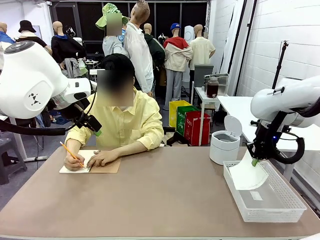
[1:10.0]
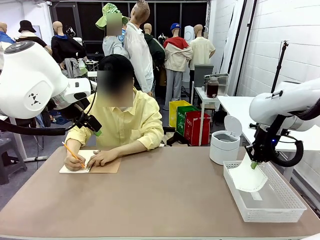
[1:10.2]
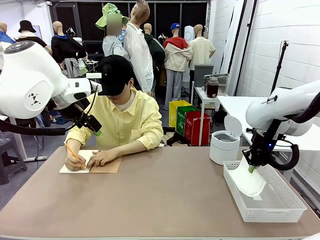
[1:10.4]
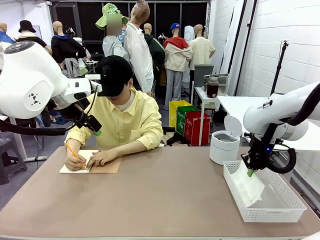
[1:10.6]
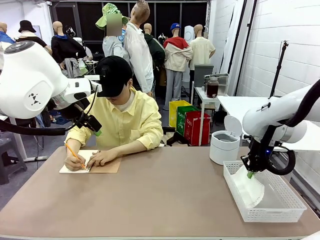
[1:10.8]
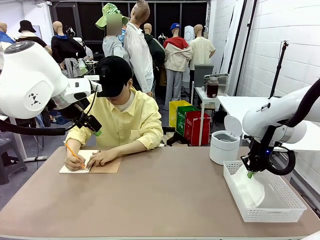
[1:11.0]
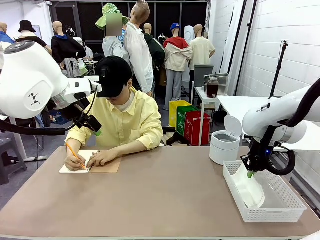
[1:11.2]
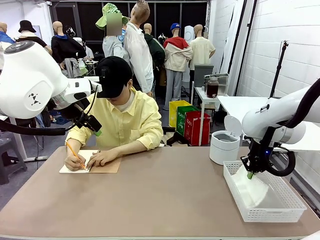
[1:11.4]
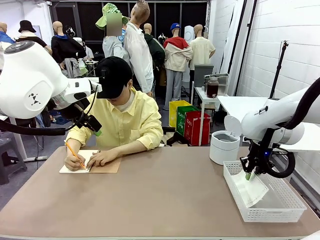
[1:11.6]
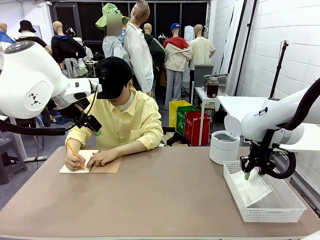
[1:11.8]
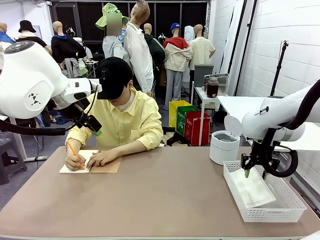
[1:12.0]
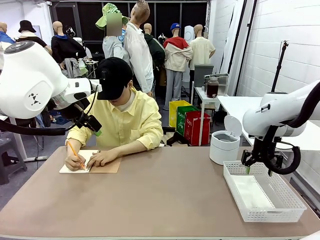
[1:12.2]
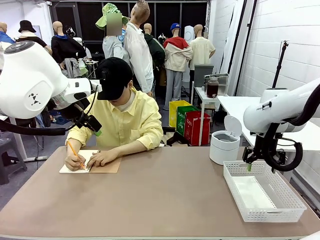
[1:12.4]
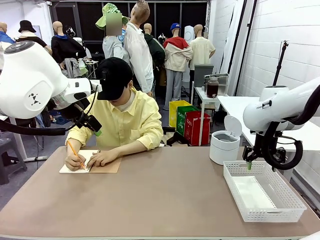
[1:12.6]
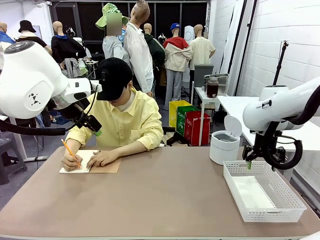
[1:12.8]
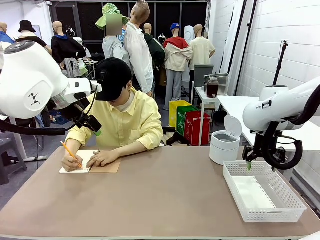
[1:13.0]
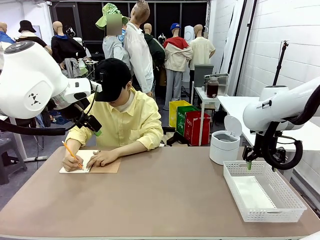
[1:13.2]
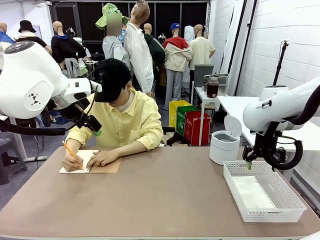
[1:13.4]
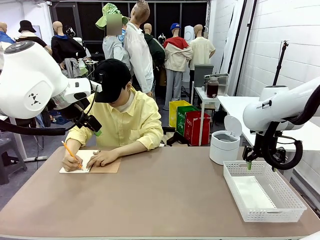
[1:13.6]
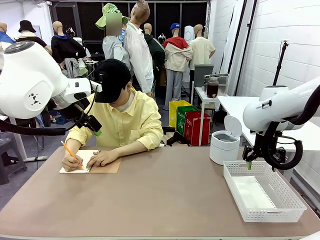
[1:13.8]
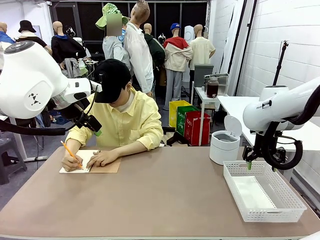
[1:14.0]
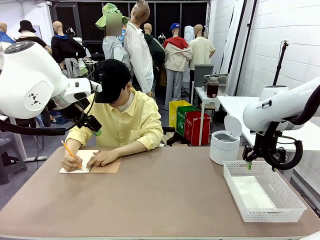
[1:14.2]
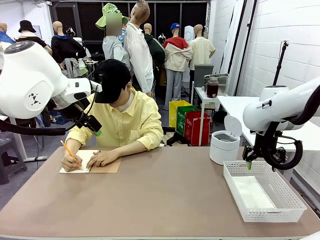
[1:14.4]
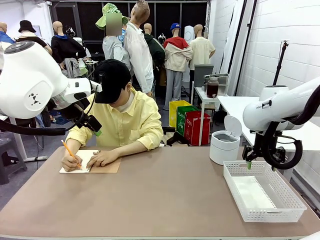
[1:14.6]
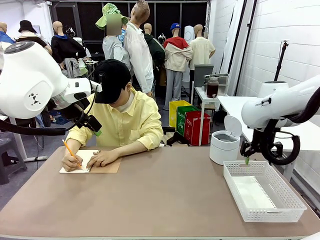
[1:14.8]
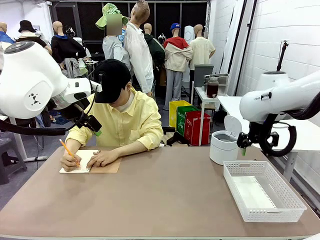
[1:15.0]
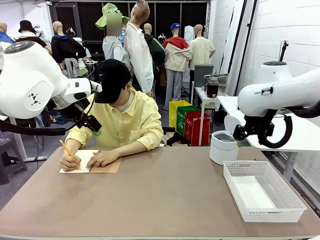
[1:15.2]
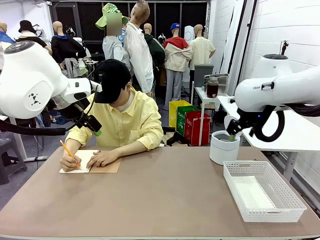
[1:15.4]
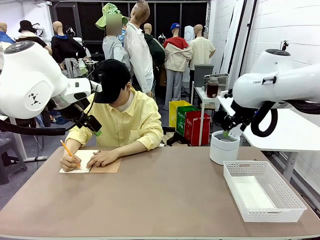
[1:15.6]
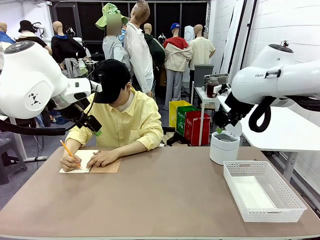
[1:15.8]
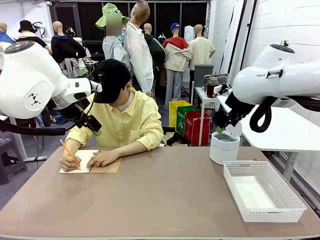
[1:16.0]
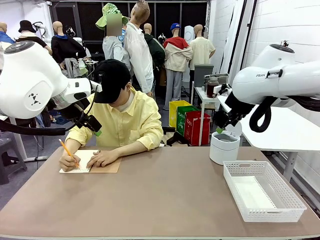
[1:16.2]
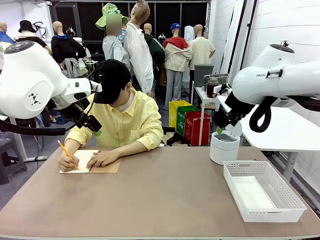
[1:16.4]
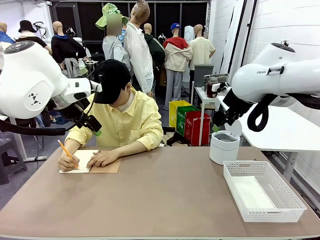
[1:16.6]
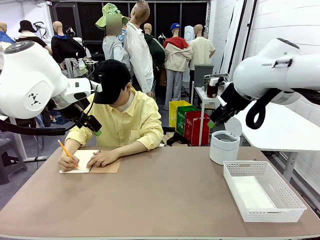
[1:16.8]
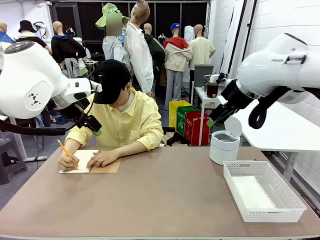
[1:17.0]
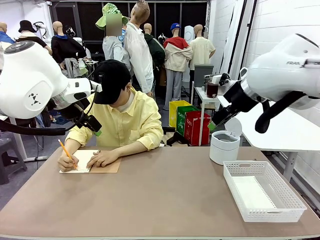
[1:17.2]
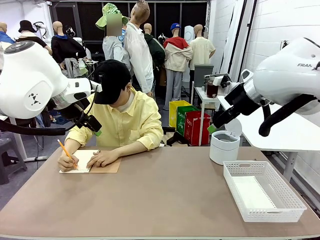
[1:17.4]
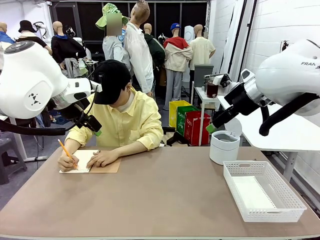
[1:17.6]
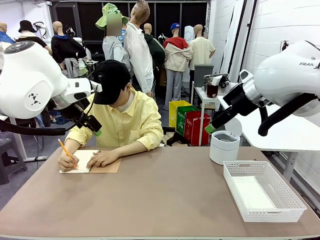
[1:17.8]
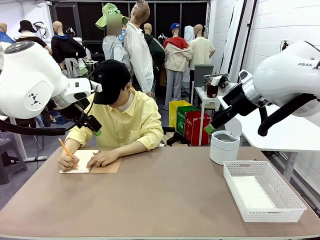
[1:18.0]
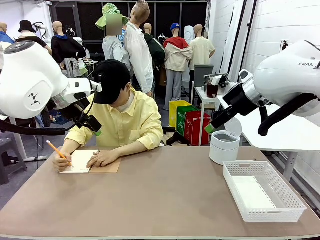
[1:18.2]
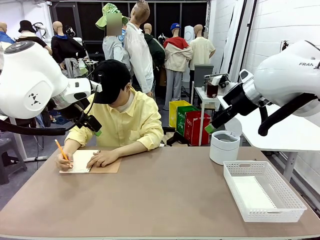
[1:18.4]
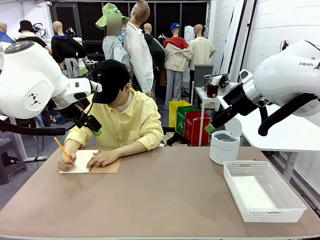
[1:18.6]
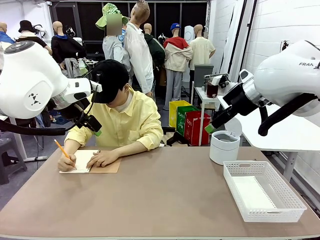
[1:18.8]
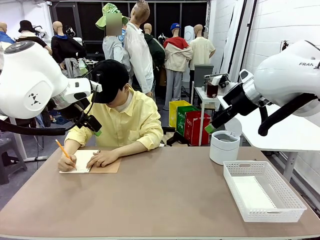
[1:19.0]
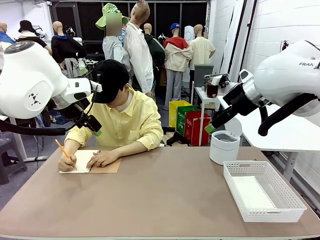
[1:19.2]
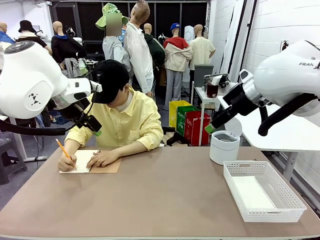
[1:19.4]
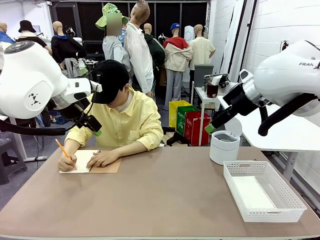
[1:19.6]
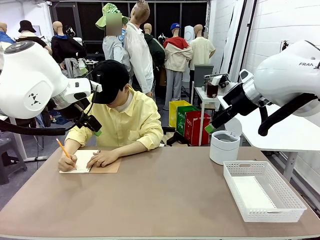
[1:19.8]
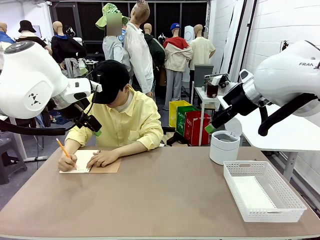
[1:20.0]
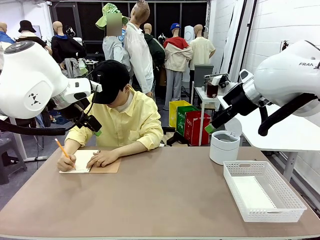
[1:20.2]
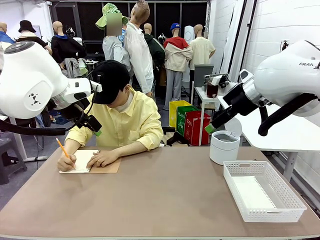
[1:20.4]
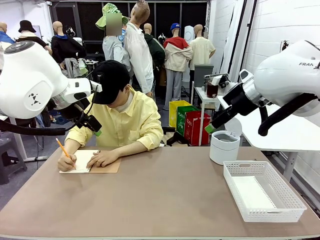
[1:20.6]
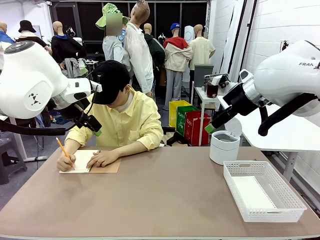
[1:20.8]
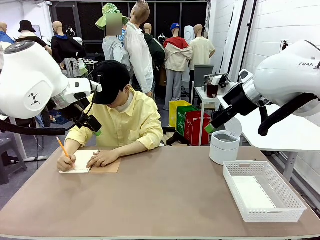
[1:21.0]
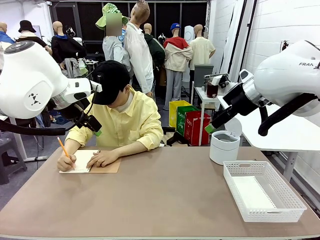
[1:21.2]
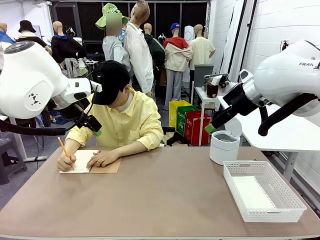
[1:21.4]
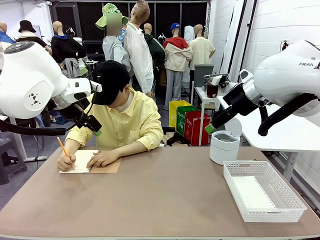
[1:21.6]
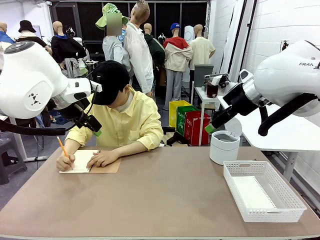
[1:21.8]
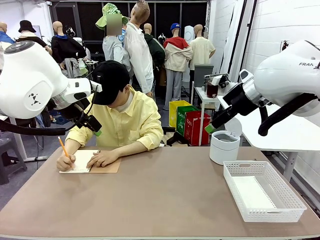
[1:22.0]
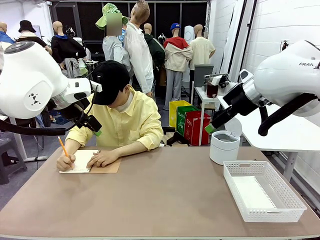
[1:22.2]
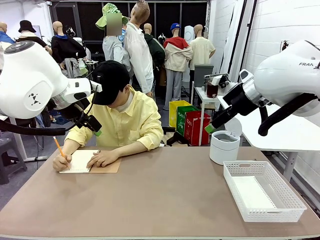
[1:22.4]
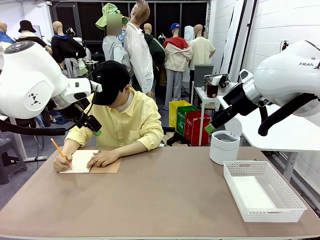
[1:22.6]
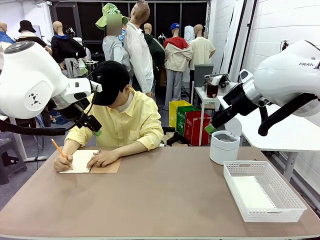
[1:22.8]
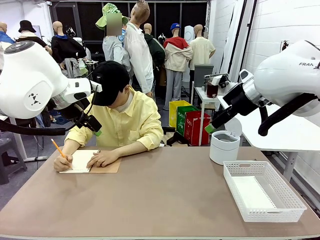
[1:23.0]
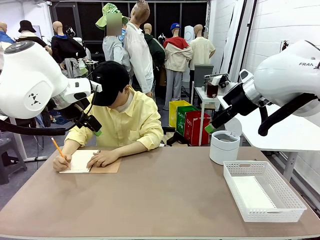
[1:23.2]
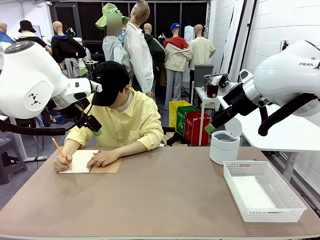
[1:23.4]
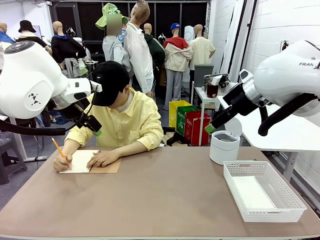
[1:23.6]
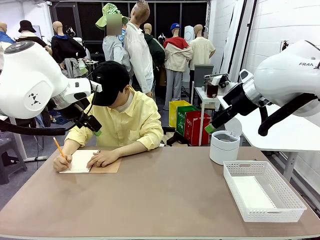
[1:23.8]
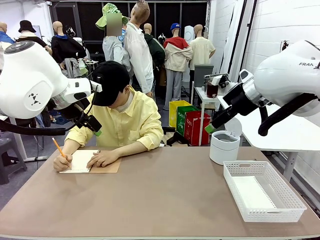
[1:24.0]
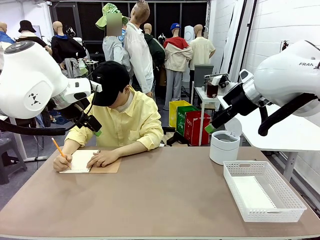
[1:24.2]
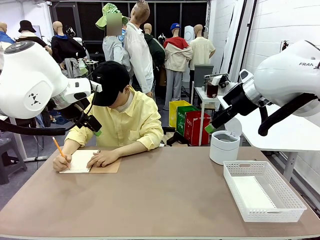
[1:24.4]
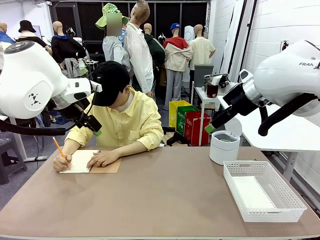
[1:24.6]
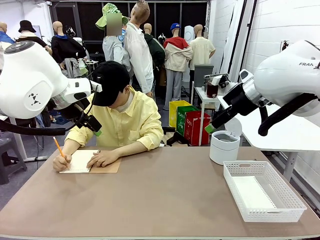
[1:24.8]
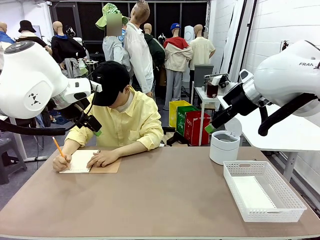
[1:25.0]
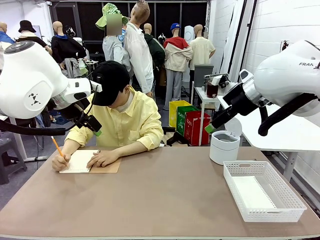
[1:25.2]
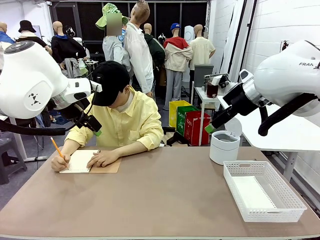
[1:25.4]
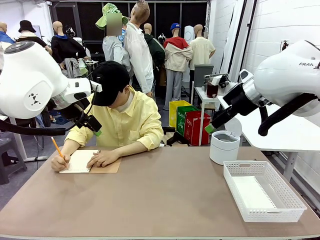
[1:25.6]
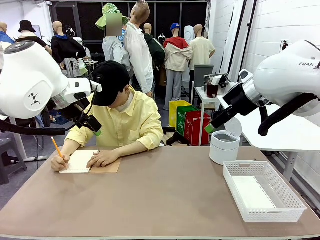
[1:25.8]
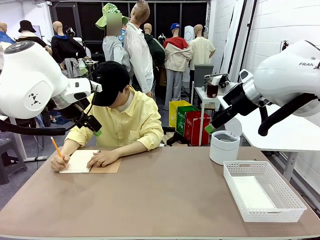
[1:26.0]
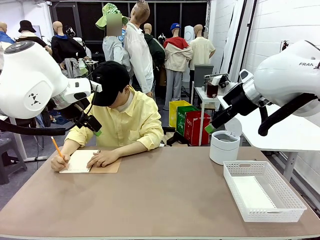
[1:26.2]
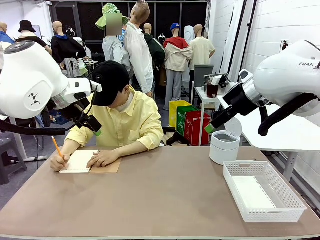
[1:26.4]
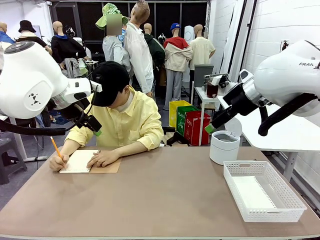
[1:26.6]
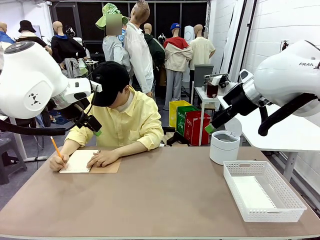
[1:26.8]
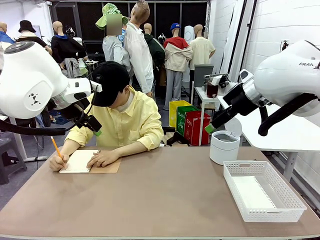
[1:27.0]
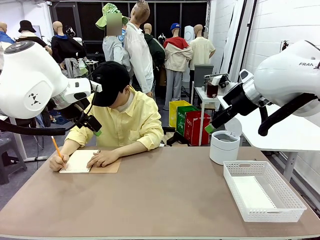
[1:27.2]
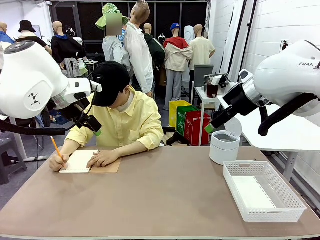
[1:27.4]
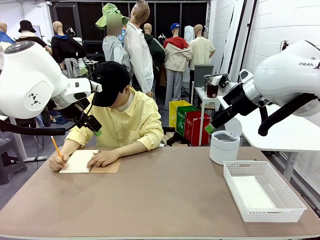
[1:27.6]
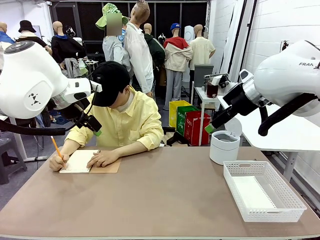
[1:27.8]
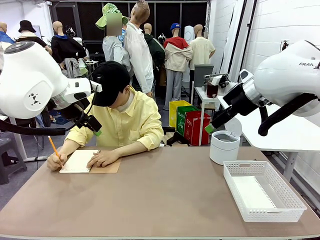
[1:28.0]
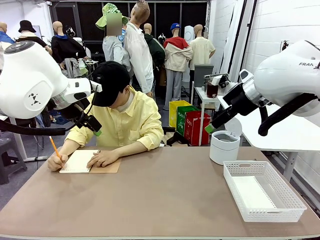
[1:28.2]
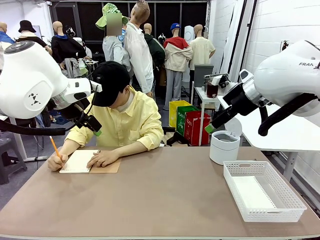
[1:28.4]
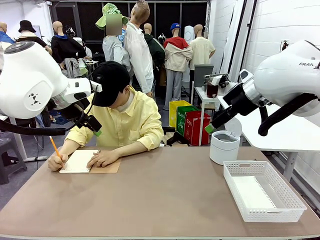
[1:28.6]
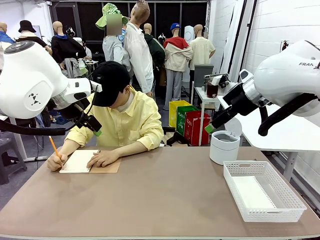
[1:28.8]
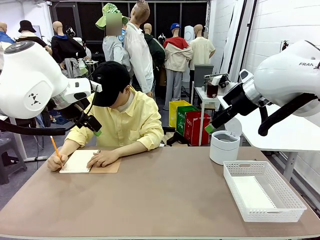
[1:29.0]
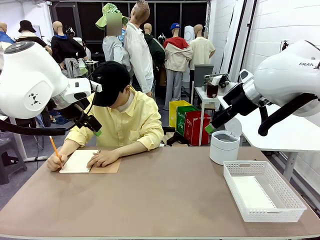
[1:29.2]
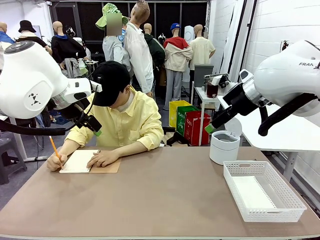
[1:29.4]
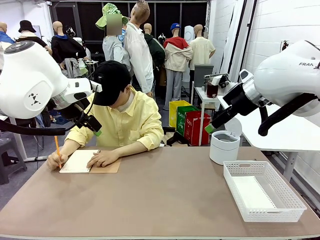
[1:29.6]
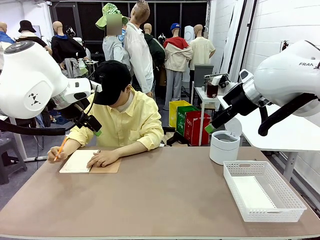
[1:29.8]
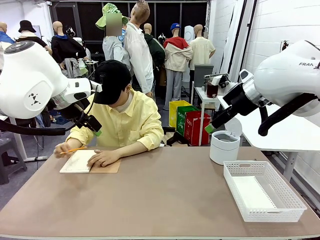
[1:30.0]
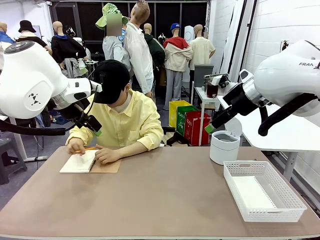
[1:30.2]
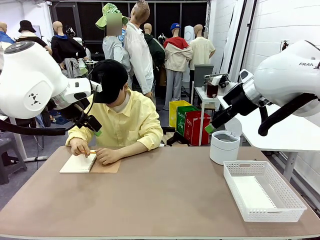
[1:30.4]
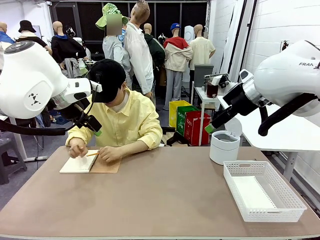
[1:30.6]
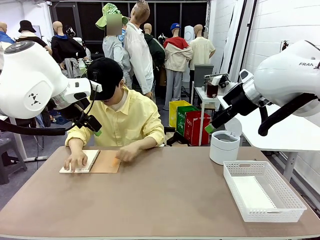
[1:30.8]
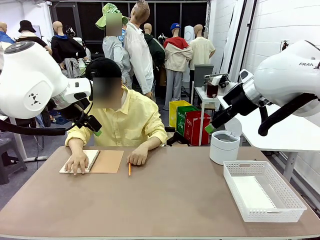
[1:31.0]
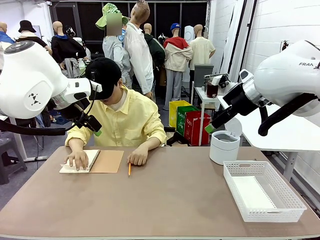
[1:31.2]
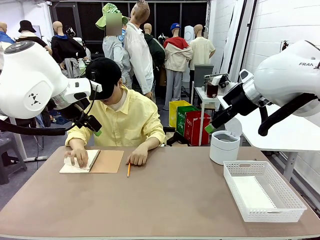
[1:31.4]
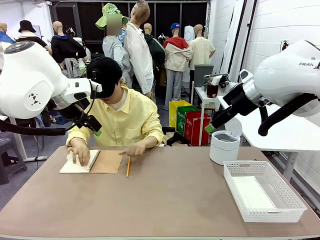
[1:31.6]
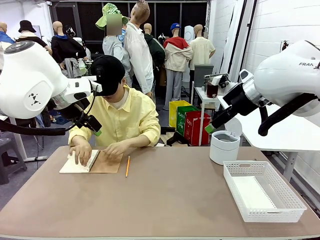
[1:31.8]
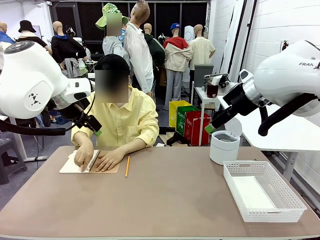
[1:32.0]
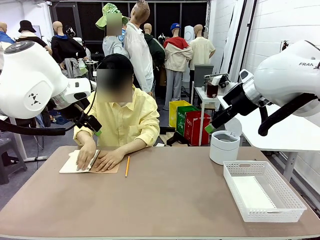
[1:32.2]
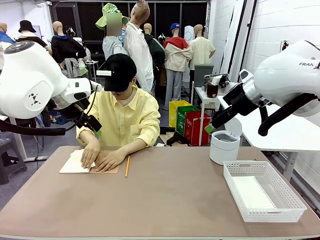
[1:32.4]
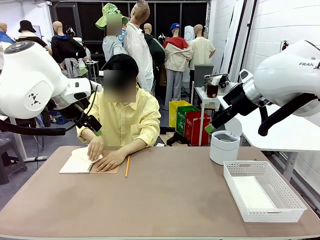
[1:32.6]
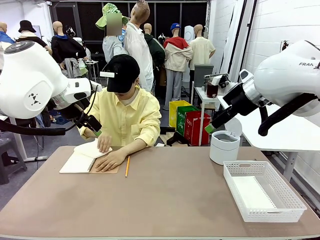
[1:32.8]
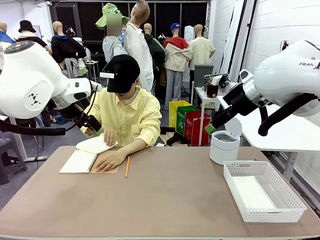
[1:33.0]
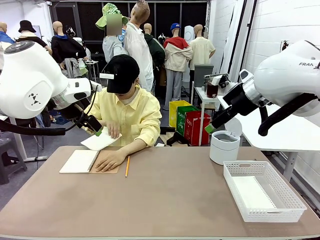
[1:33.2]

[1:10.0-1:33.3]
Task: Sort the paper based on its condition.
Robot: If a person hands you a paper, place it in the Organizing basket , and if it's crumpled, put it in the Trash can.
Person: Tear out a page from the spiral notebook.
